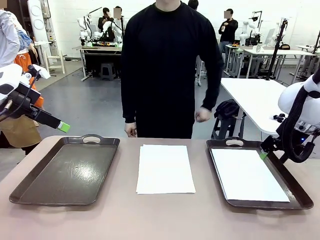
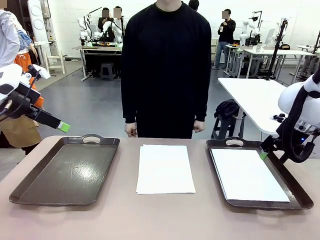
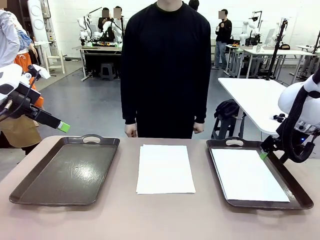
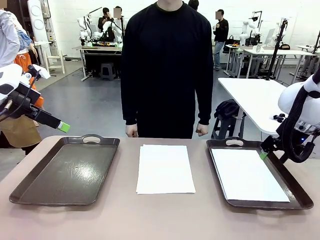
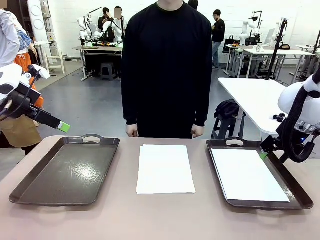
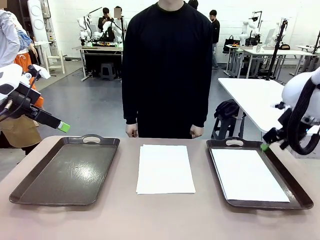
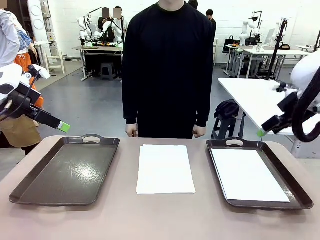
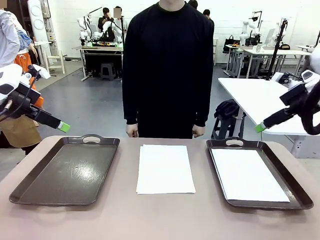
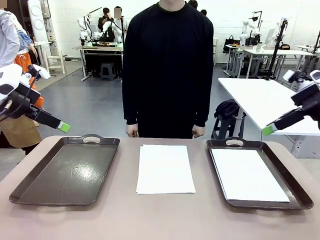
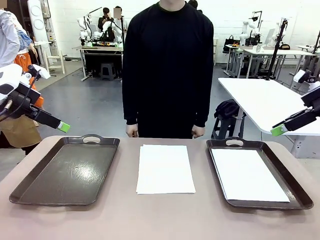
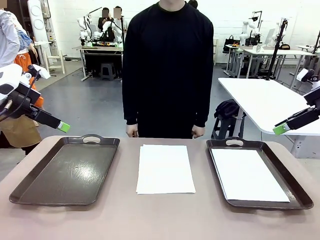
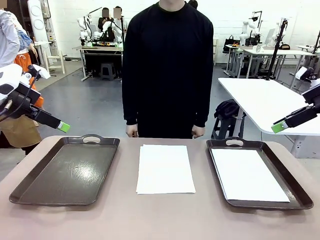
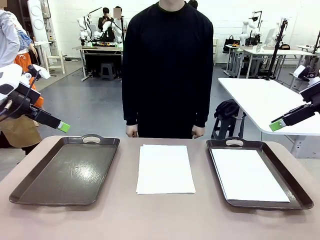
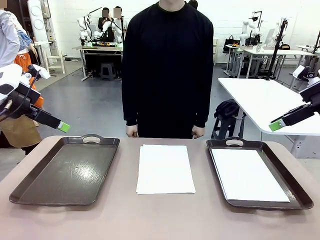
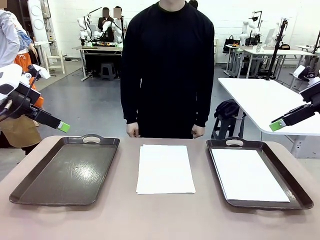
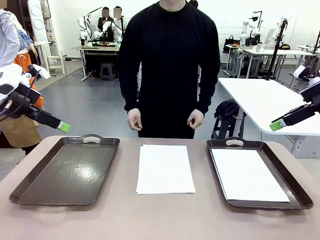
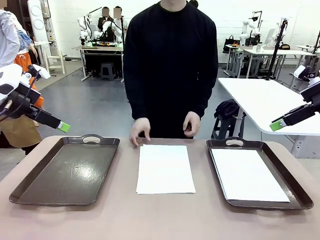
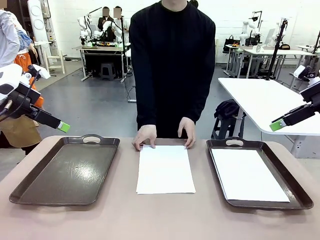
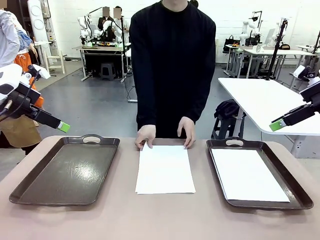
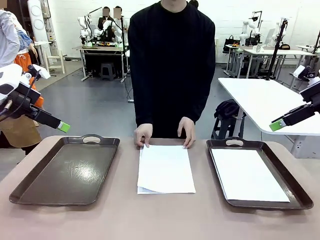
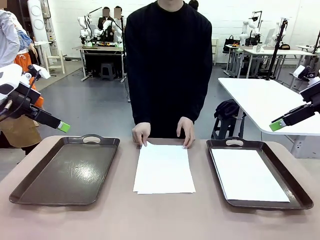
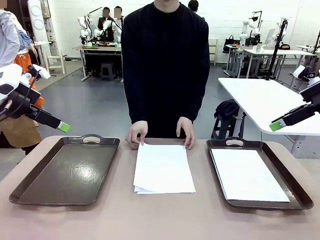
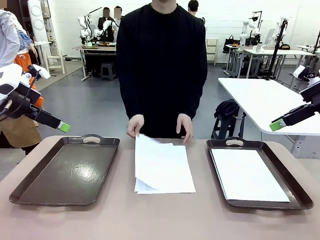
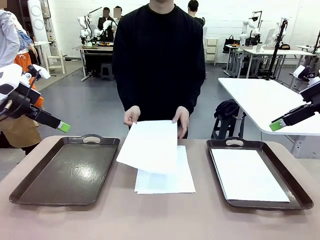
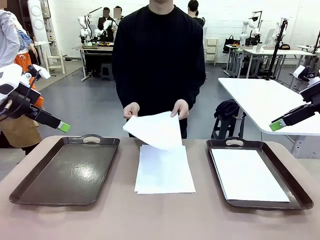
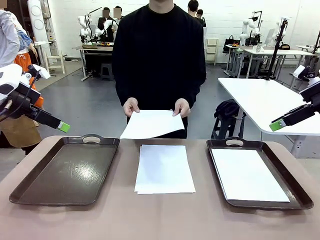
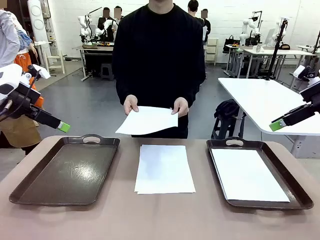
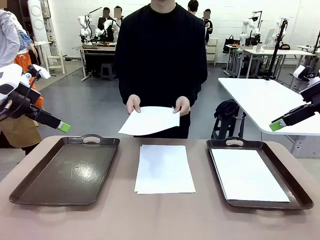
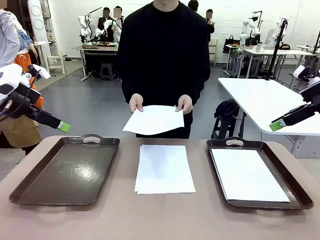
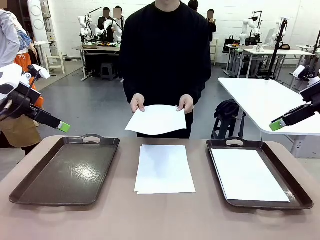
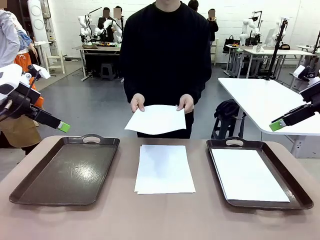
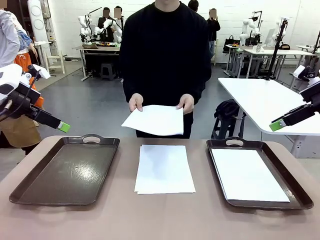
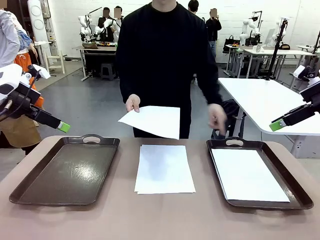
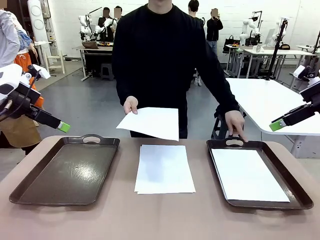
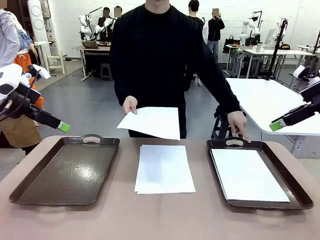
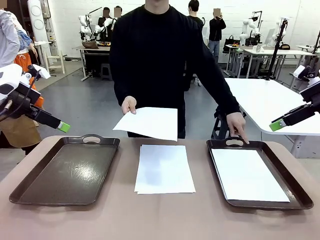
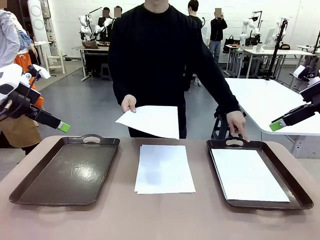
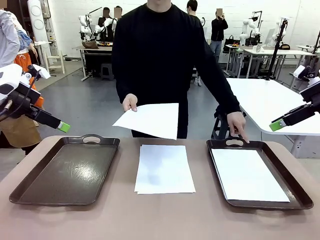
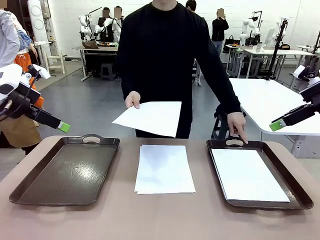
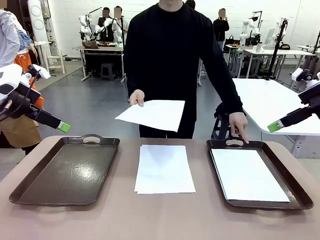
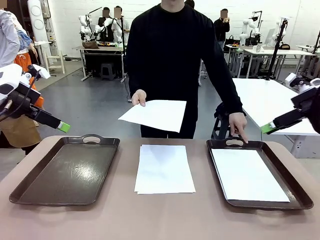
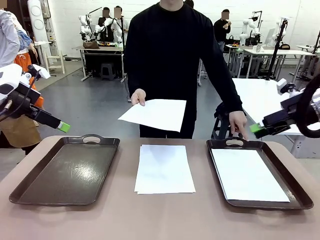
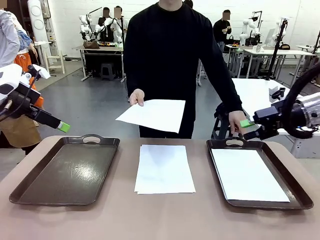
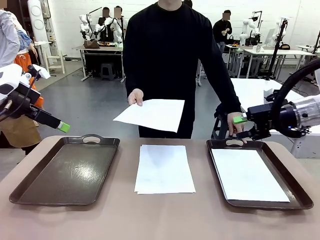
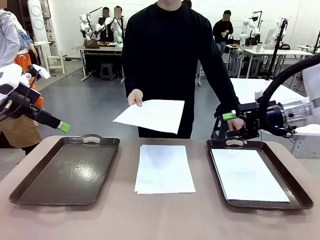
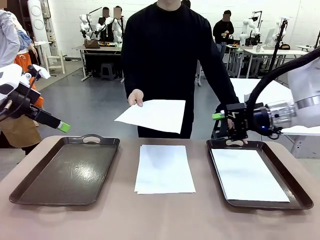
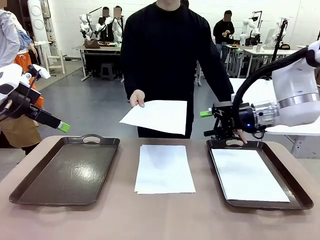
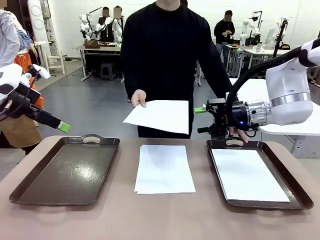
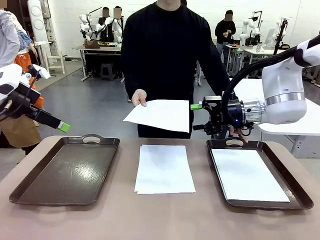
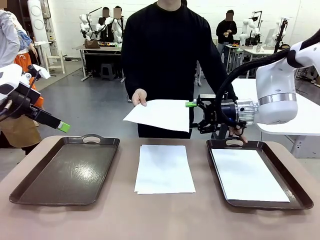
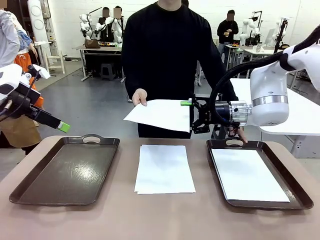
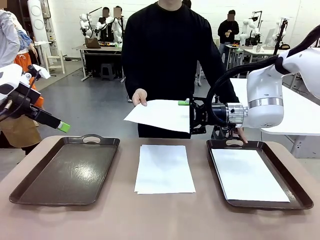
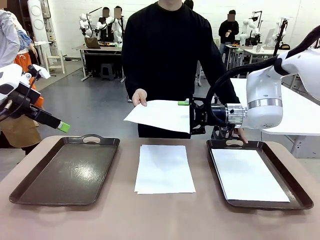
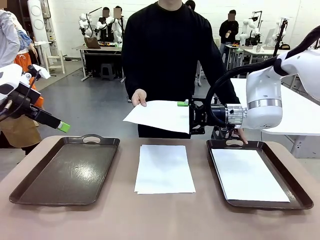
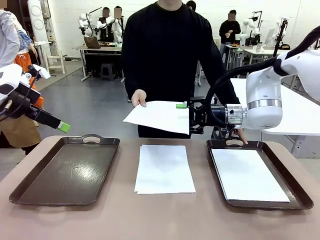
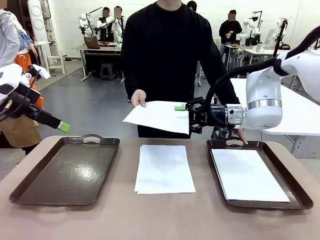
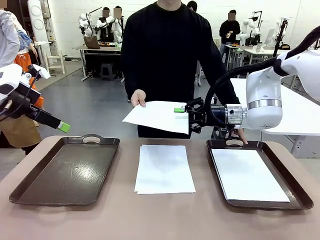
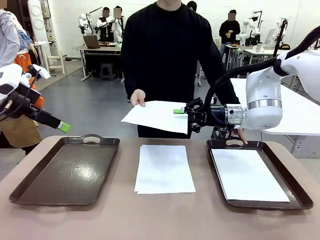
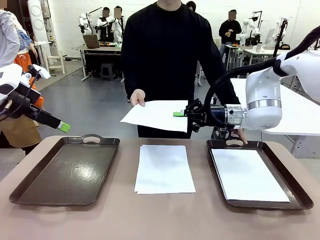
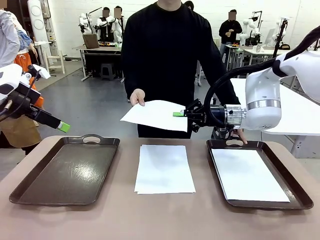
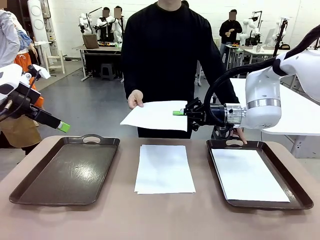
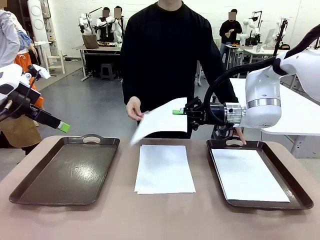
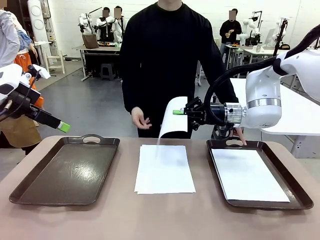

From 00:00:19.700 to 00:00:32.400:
Task: Sort the A4 documents.
Robot: Receive the A4 Paper.
Person: Point the randomly selected tray with the other hand.

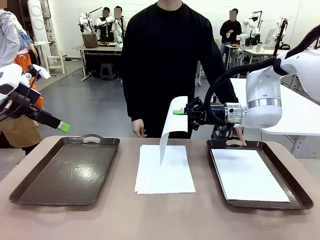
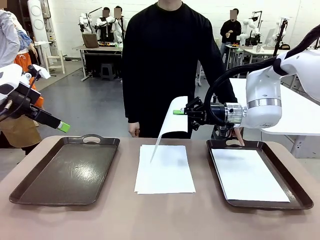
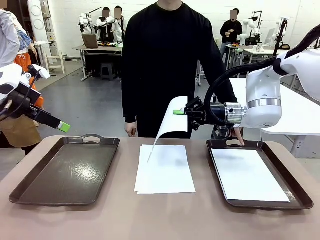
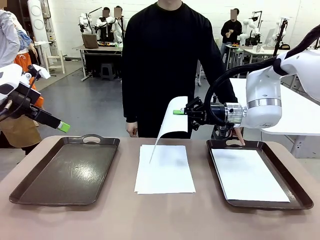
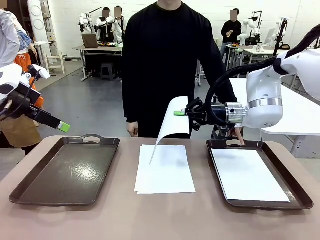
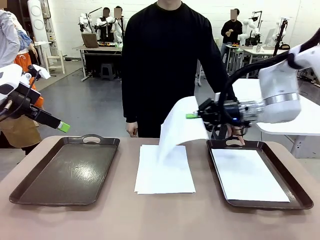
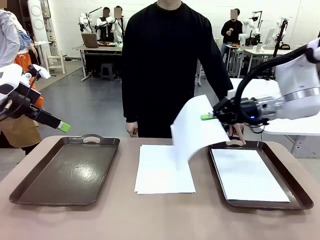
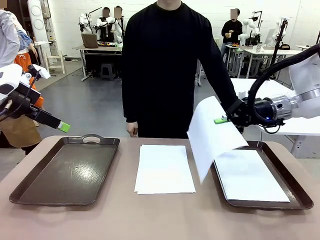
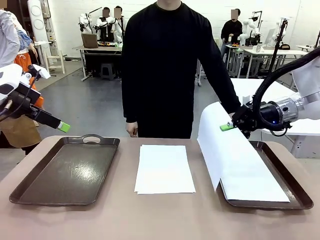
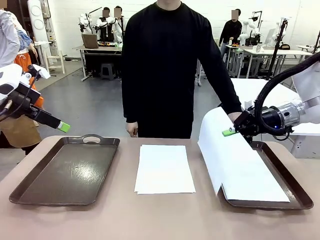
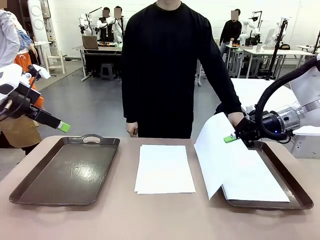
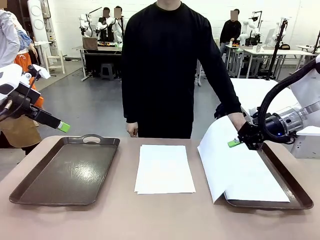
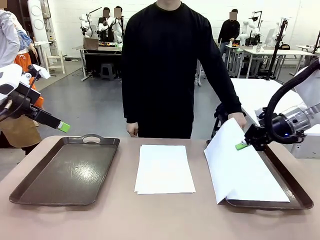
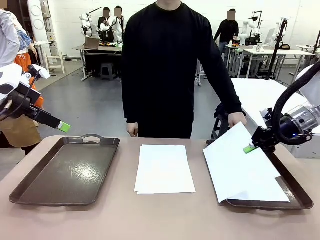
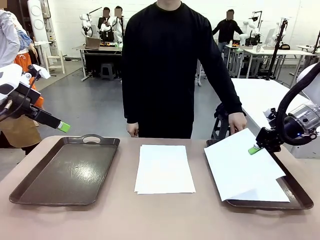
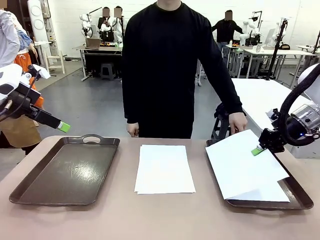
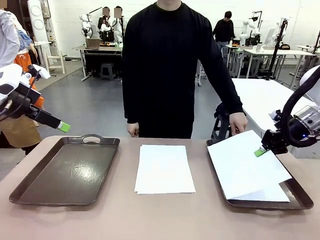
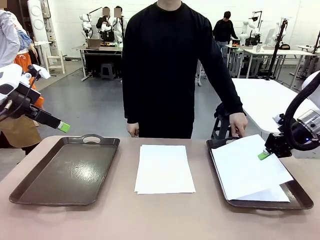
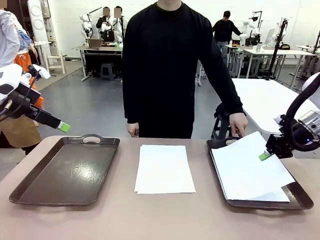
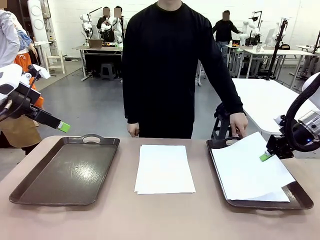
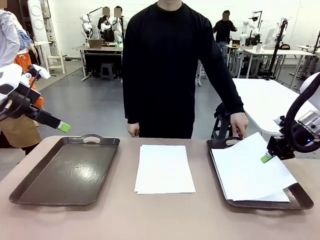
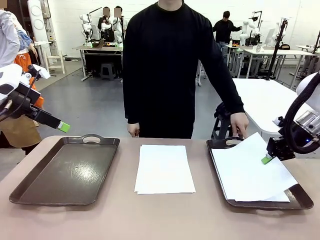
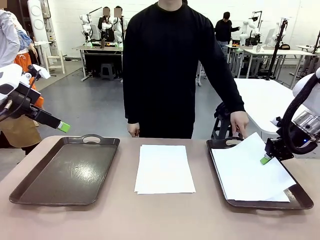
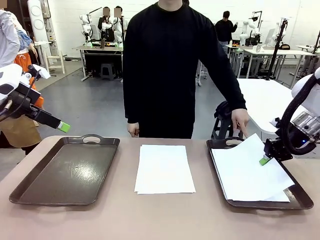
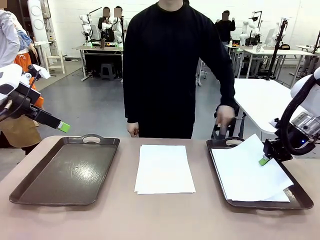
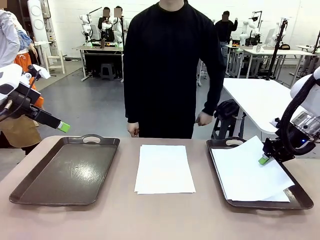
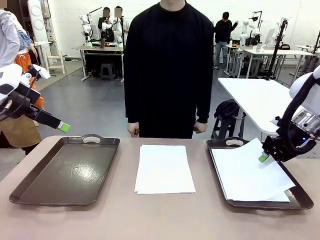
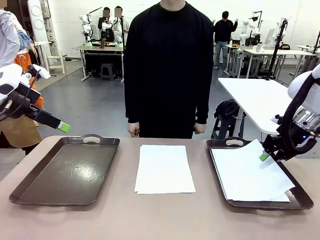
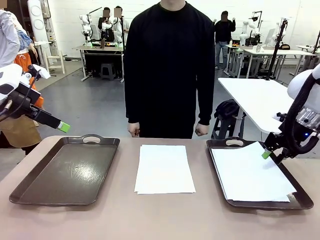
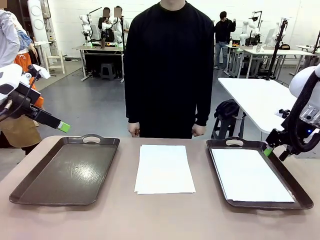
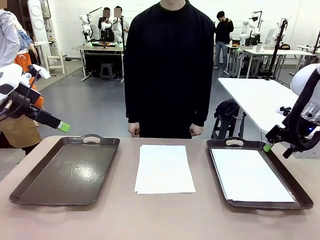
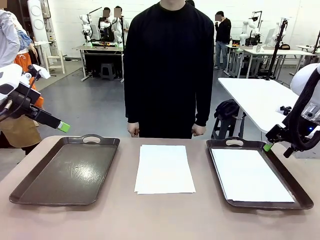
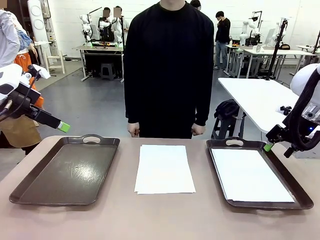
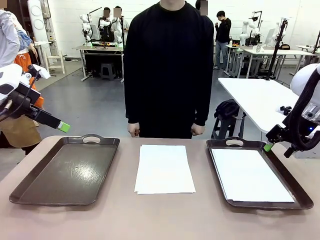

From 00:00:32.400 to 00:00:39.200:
Robot: Place the A4 Paper in the designated Handle tray.
